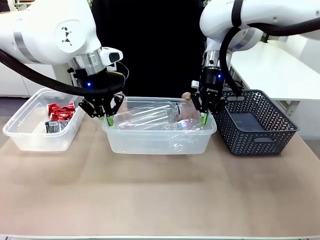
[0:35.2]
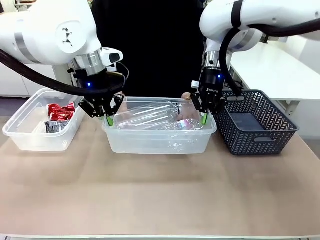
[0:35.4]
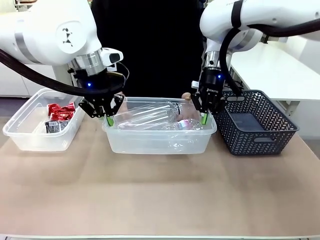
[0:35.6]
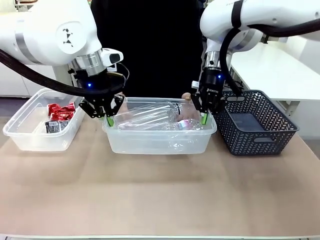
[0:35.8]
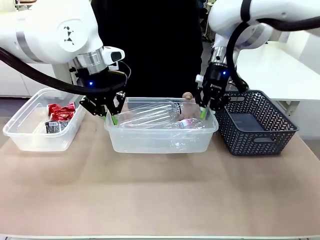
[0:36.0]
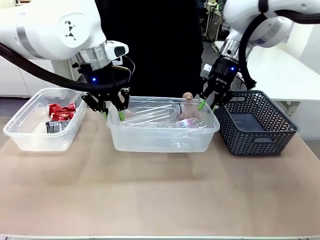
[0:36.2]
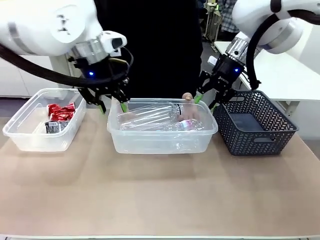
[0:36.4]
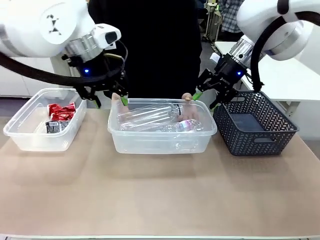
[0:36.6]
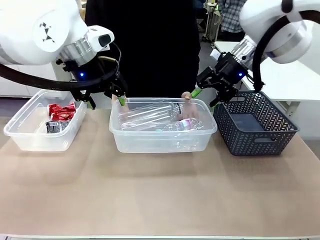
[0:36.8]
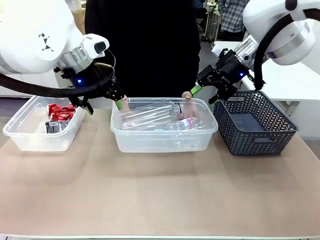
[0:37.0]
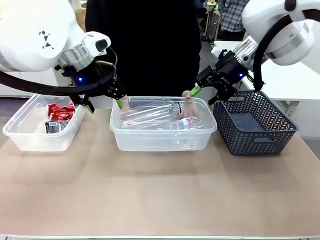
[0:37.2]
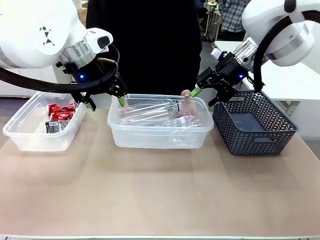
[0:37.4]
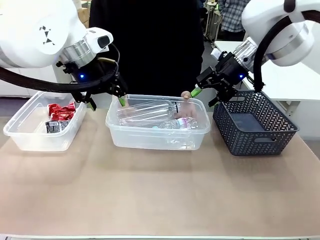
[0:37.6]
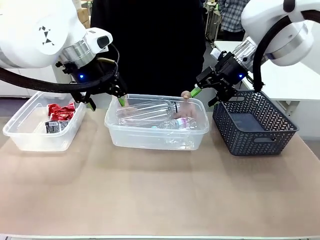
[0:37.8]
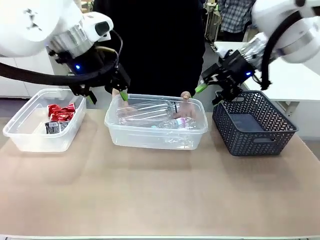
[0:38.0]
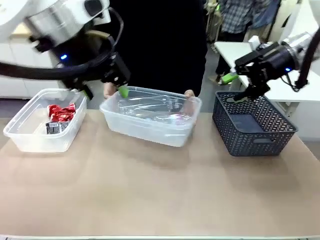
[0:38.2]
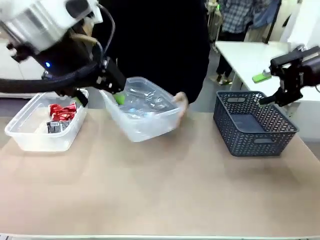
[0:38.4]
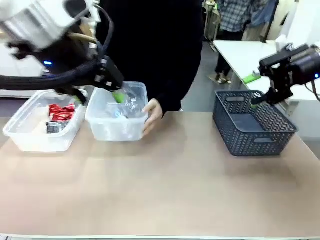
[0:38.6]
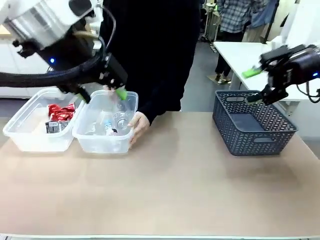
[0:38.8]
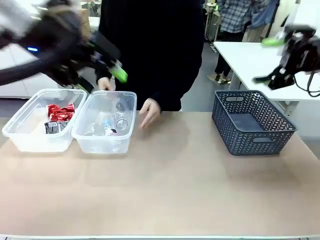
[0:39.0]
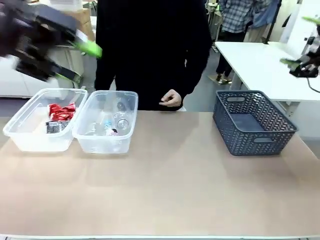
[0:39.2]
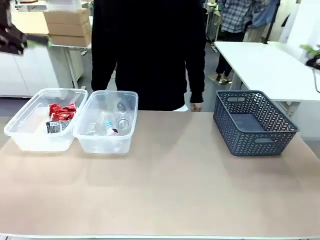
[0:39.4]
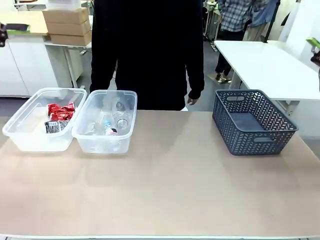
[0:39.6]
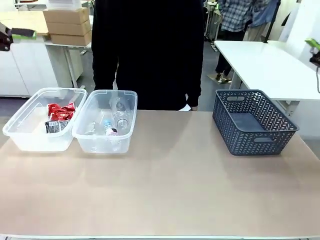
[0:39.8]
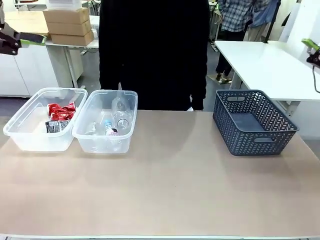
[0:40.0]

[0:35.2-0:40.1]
Robot: Release the Organizing box you were holding.
Person: Place the organizing box to the left of the sorting box containing the can waste.

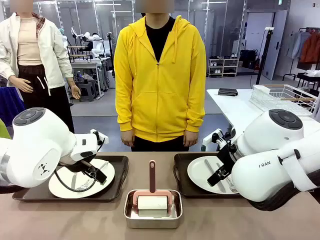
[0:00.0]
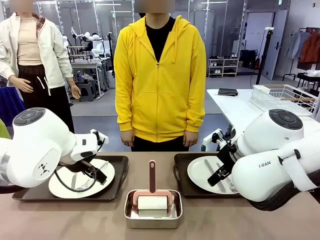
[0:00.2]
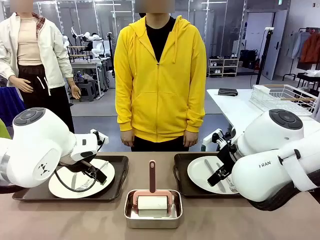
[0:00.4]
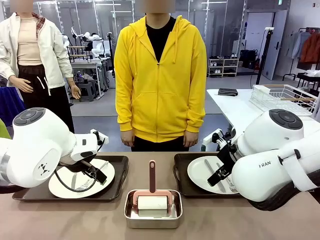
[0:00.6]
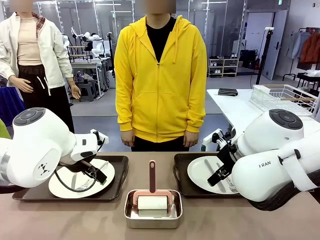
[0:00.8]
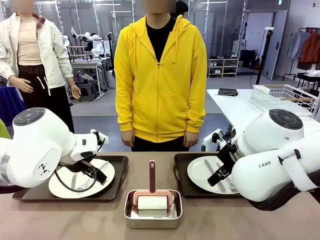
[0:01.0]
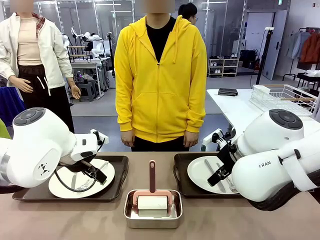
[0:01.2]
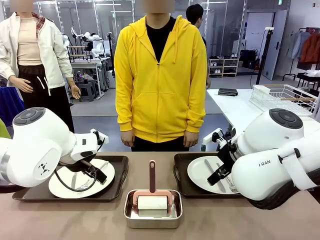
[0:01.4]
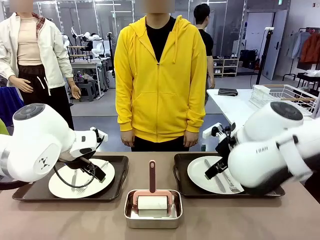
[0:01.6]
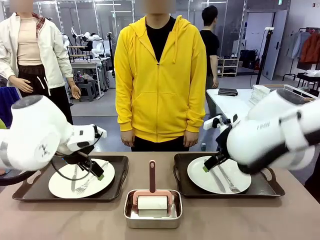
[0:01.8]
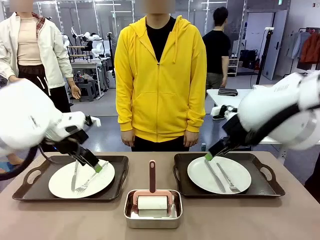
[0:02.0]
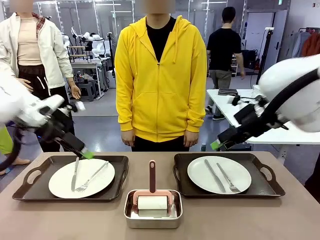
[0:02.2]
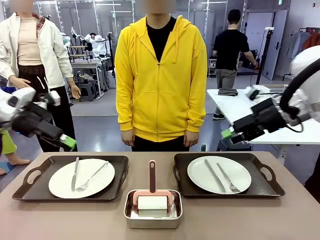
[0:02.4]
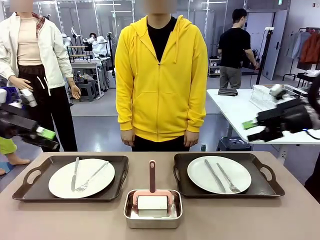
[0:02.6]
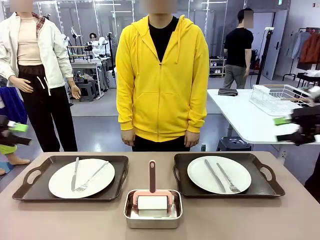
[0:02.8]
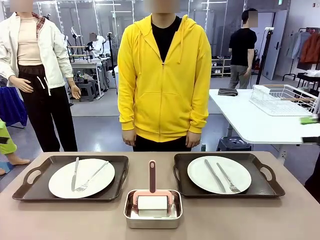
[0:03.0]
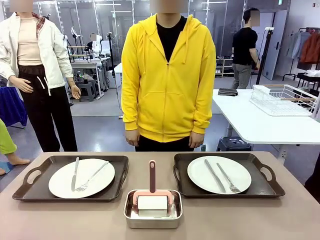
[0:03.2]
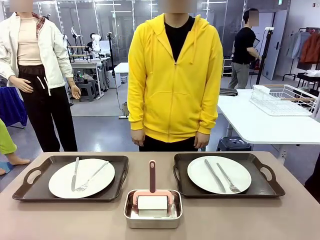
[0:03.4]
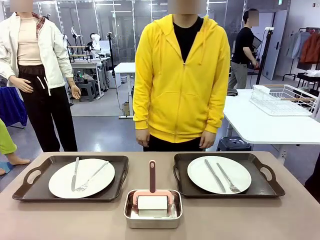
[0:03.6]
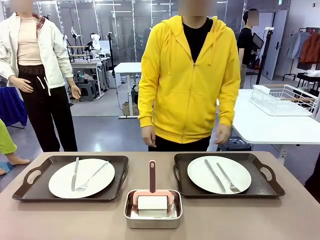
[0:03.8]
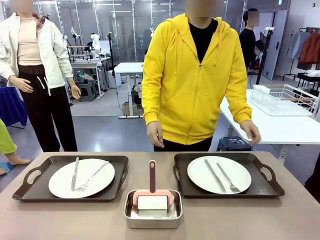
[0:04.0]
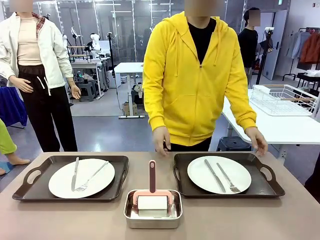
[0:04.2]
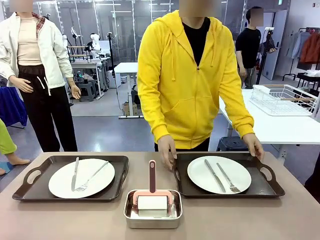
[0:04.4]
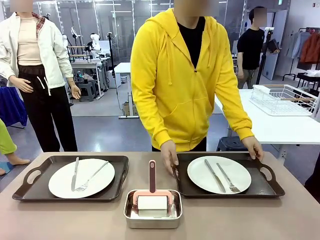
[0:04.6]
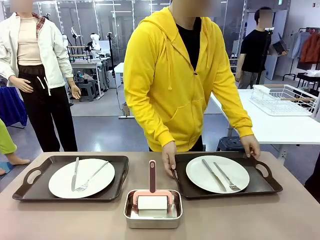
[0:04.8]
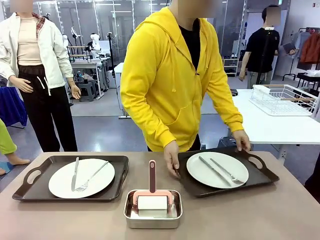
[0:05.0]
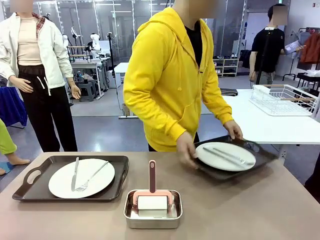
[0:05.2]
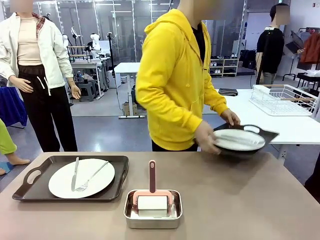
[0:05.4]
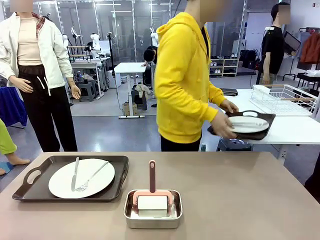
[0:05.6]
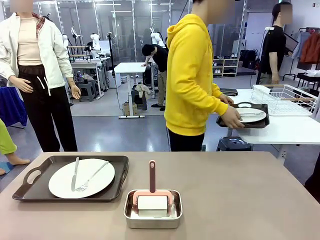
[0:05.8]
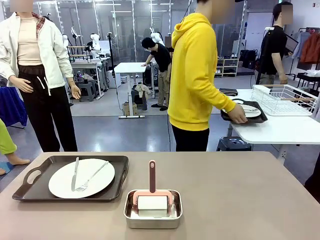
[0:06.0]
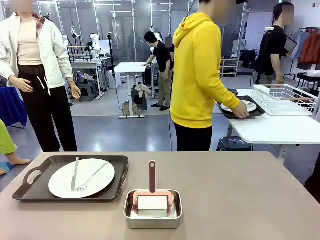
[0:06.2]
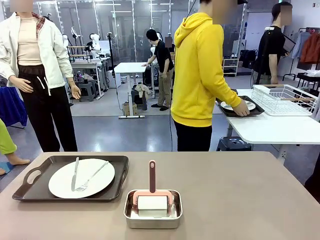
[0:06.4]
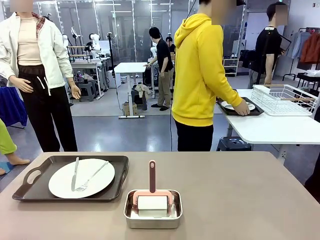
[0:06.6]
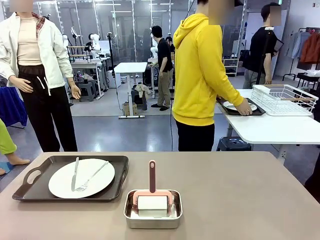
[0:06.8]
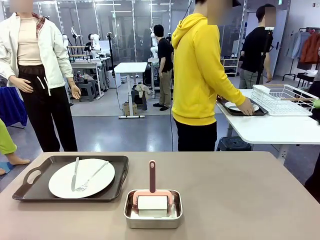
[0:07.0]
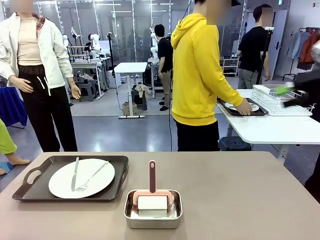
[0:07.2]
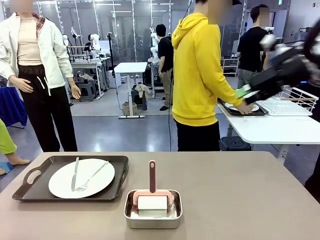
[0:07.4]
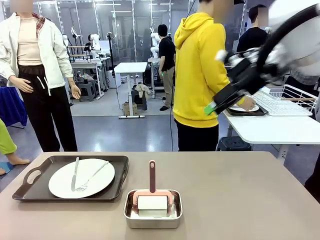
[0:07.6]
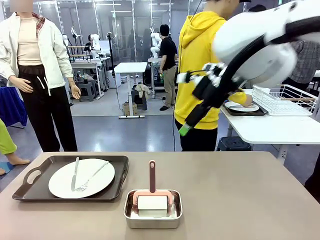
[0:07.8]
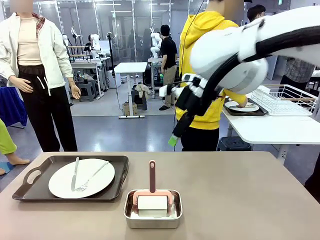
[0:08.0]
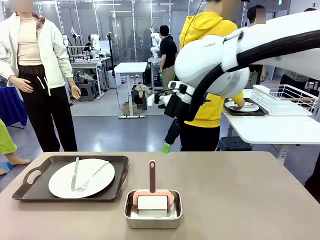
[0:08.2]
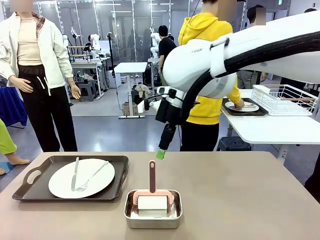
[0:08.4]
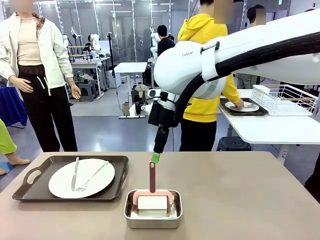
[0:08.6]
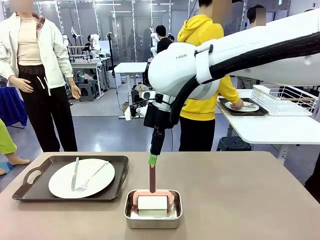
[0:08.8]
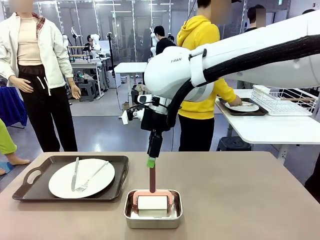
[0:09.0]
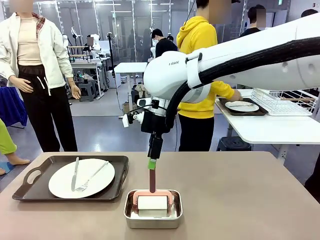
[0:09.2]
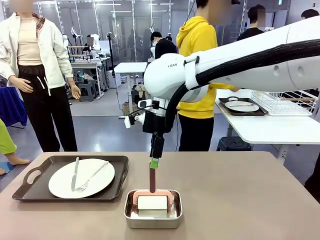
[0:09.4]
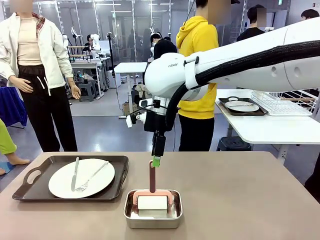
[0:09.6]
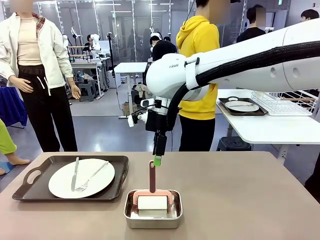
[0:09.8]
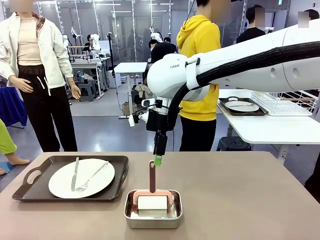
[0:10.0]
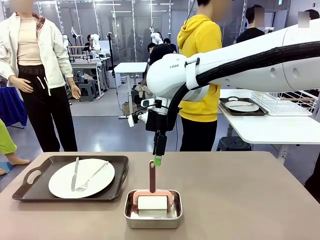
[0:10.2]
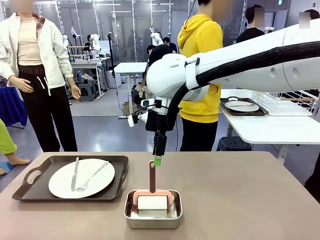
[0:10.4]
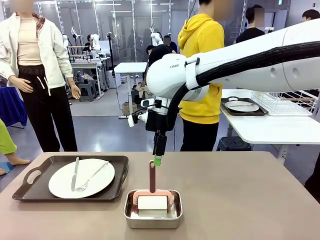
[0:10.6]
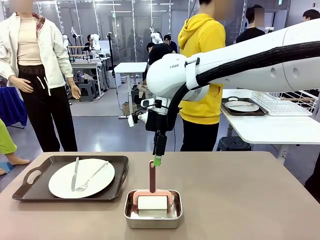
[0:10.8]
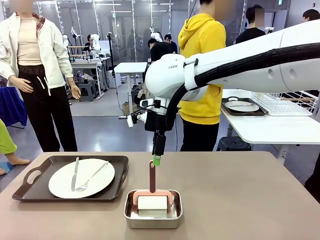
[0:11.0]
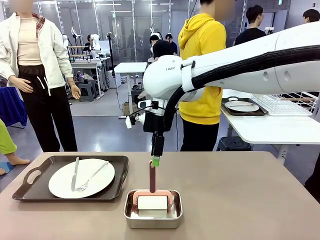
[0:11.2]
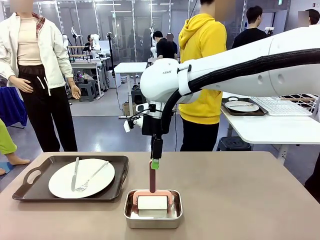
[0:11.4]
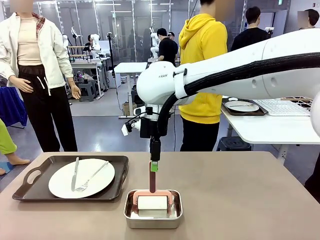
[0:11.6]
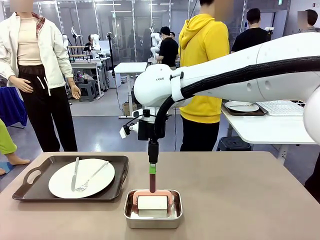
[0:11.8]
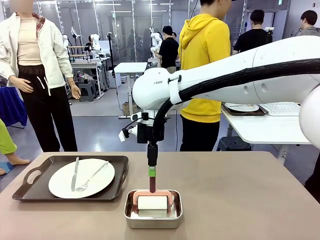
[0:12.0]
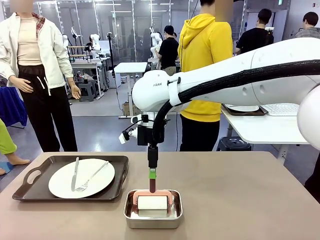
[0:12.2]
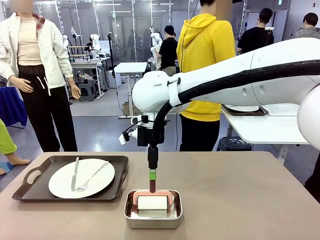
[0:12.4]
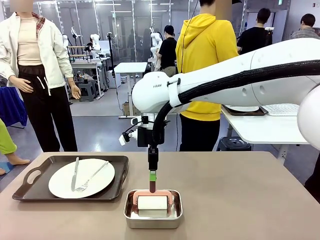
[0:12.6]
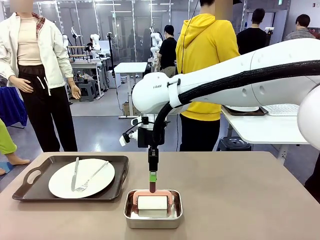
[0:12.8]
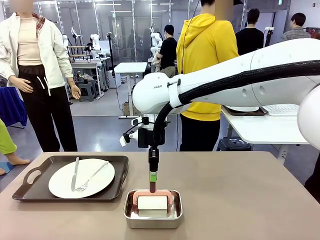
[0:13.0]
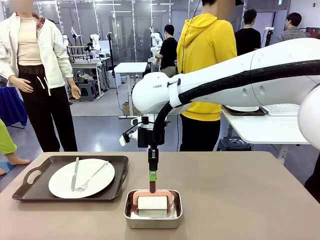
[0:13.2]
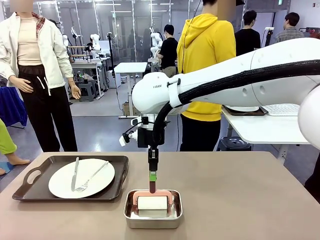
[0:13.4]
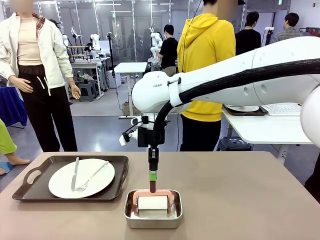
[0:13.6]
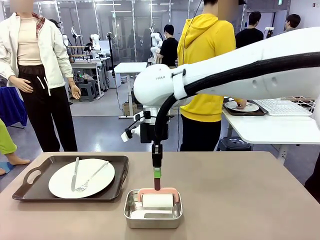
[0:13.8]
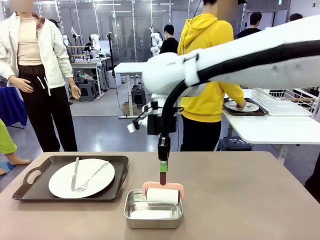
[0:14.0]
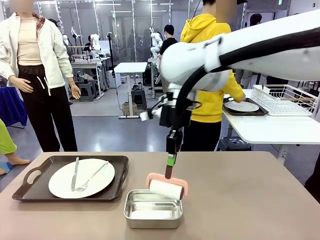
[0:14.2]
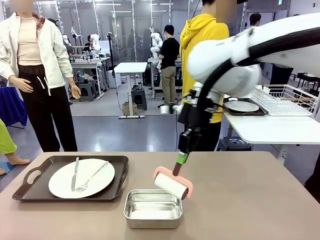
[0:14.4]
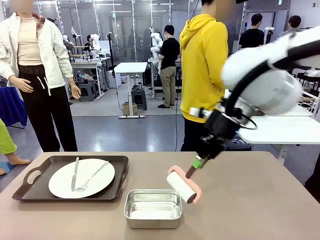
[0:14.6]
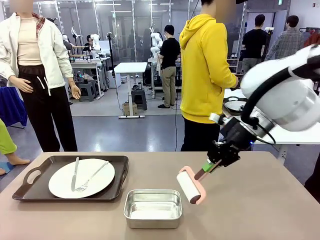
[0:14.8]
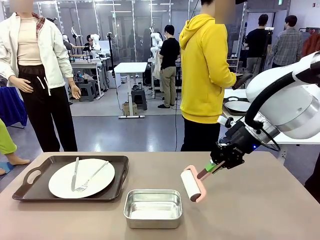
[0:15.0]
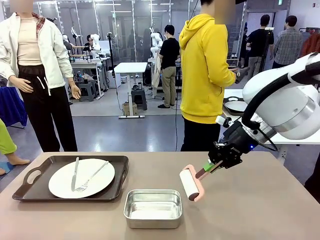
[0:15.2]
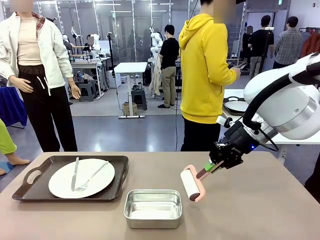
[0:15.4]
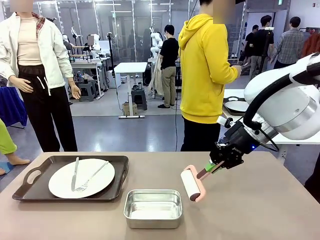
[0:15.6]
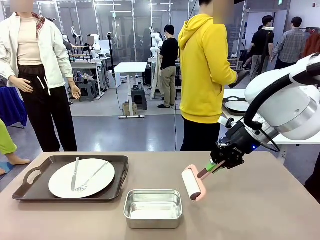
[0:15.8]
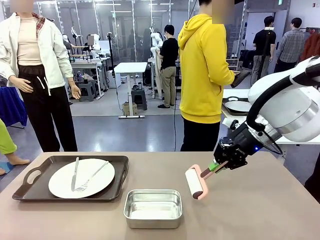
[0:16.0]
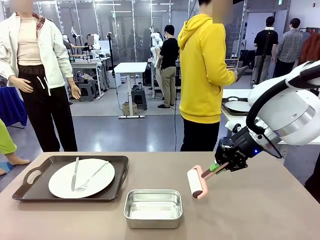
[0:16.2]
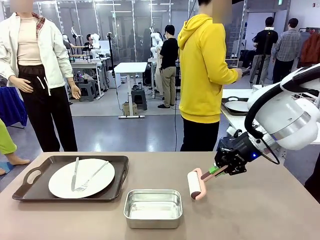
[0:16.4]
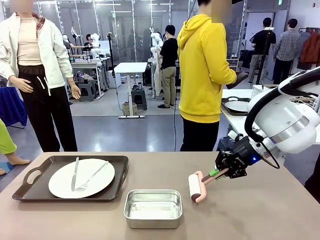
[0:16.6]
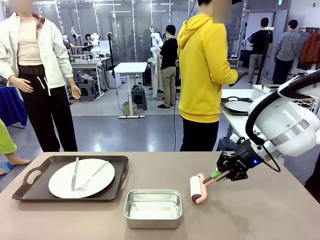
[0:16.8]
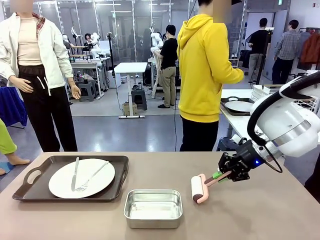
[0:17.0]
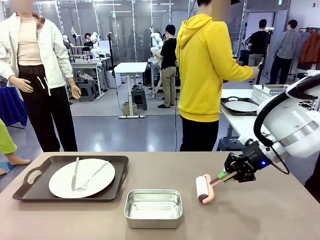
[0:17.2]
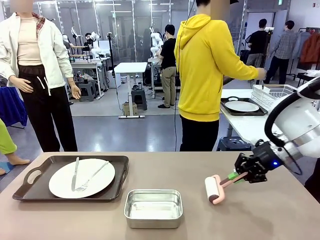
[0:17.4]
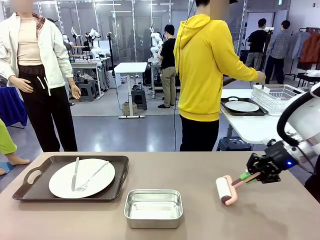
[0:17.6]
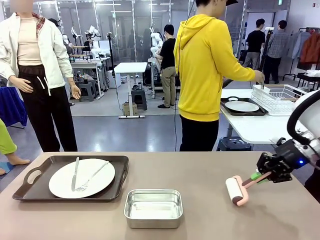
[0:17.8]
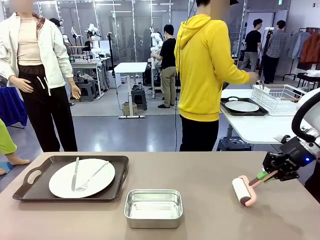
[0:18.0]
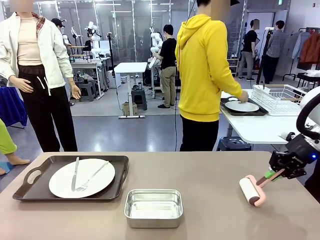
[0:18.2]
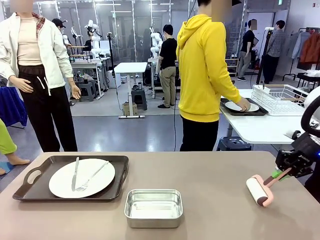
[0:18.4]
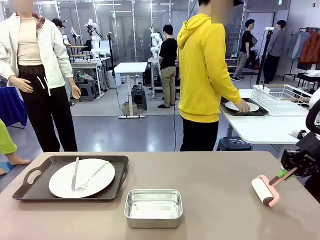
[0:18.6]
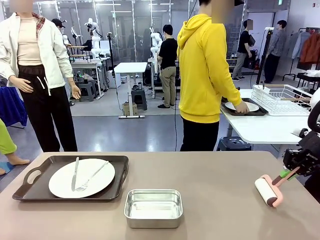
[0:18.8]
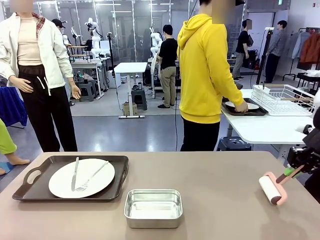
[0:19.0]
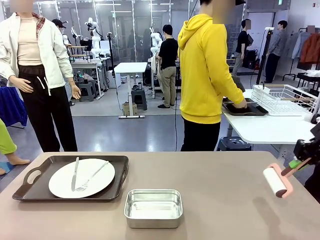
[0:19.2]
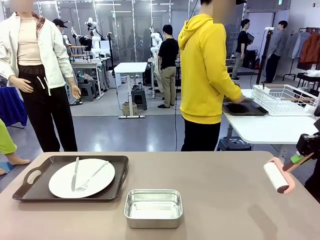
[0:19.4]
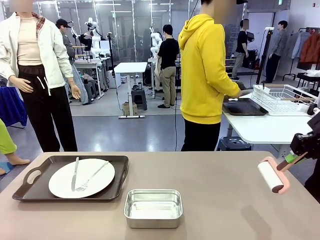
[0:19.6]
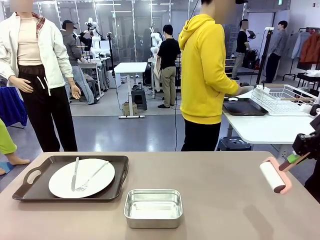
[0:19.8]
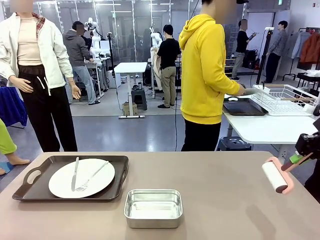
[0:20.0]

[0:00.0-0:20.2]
Robot: When the left (or right) Handle tray is removed, use the left hand (or right hand) to clean the left (or right) side of the table with the Lint Roller.
Person: Pick up the left (or right) Handle tray and place it on the middle of the Human's table. Use the Towel with hook to wipe the Plastic Matte Plate , Fork , and Knife and place into the Dish drying rack.
